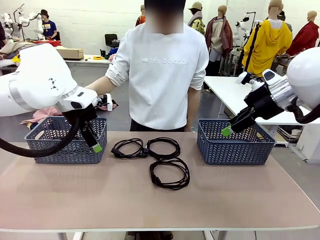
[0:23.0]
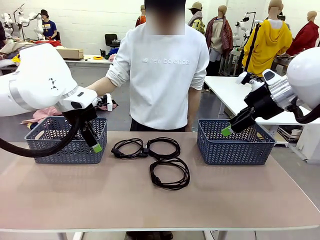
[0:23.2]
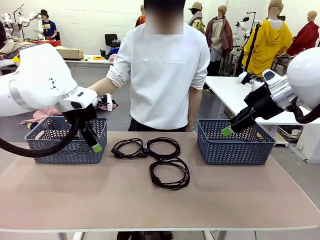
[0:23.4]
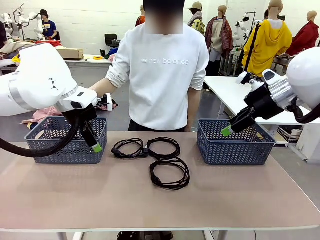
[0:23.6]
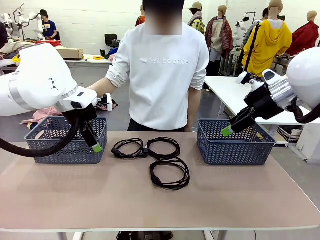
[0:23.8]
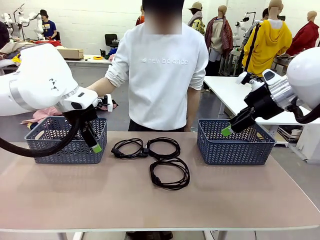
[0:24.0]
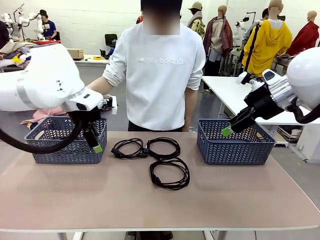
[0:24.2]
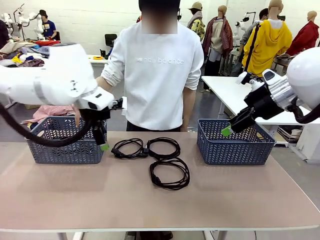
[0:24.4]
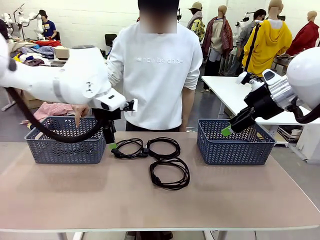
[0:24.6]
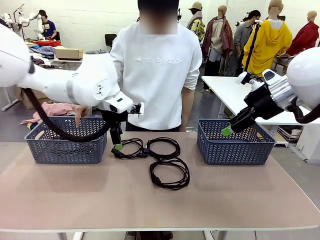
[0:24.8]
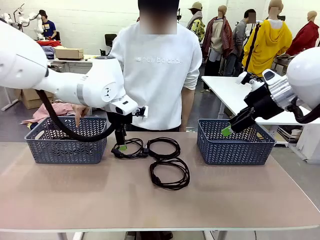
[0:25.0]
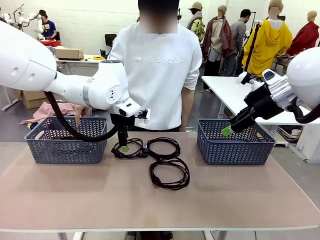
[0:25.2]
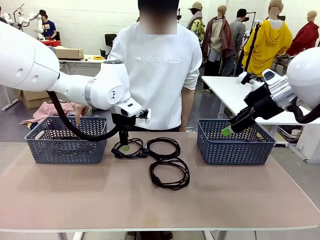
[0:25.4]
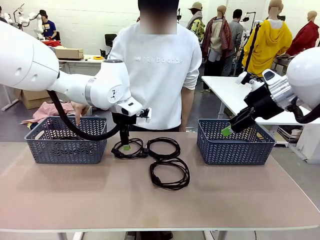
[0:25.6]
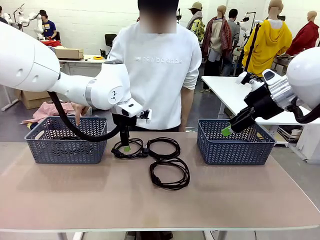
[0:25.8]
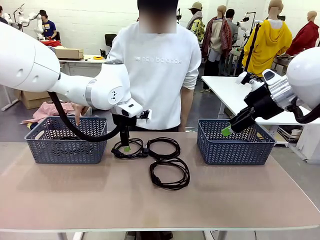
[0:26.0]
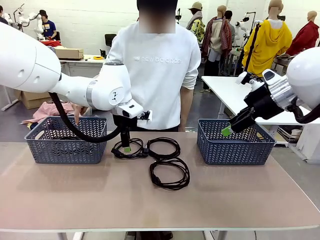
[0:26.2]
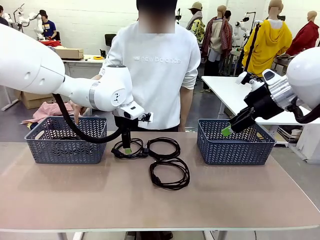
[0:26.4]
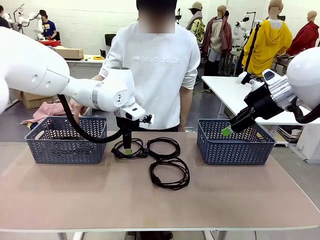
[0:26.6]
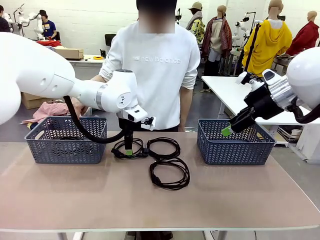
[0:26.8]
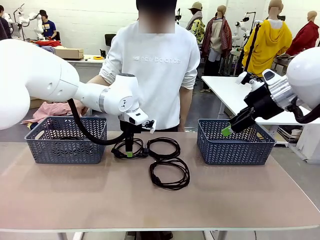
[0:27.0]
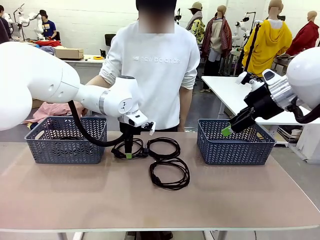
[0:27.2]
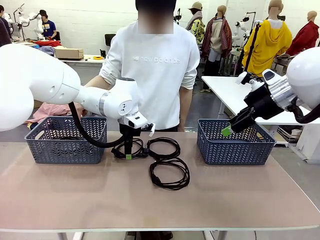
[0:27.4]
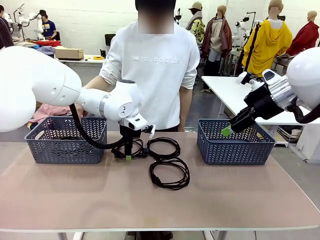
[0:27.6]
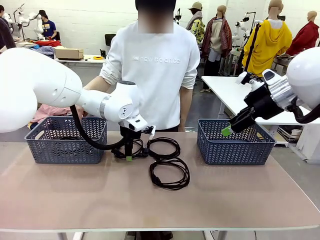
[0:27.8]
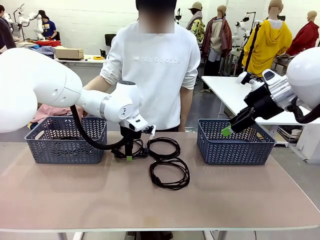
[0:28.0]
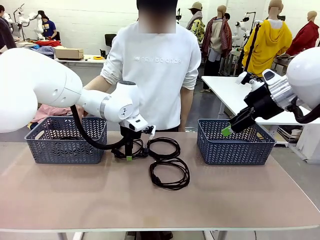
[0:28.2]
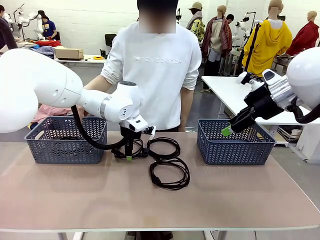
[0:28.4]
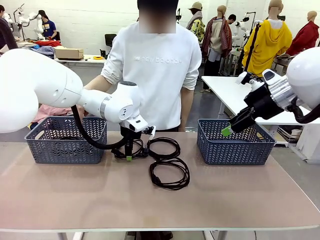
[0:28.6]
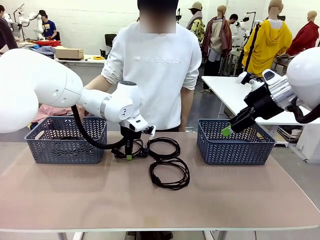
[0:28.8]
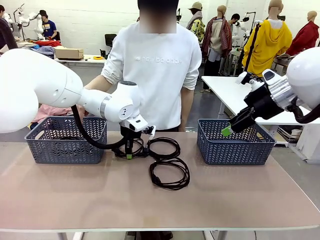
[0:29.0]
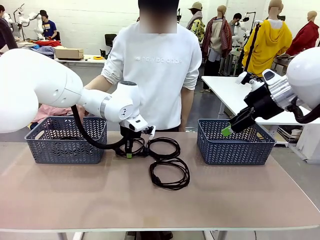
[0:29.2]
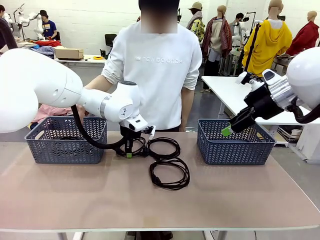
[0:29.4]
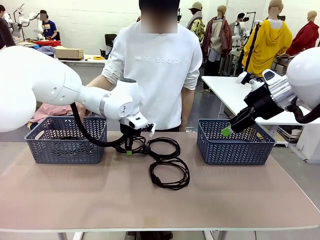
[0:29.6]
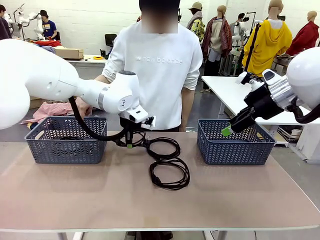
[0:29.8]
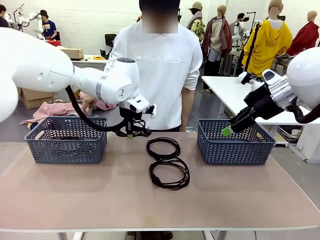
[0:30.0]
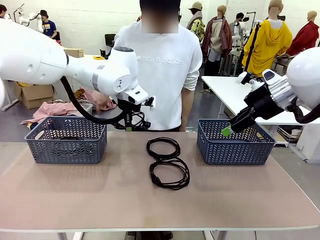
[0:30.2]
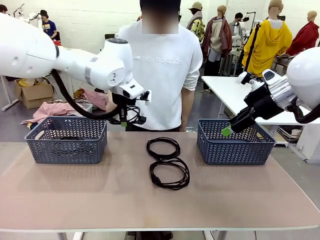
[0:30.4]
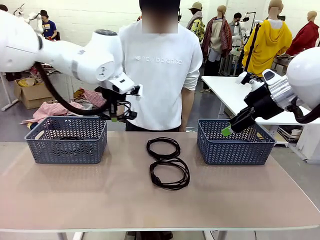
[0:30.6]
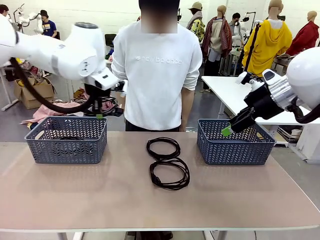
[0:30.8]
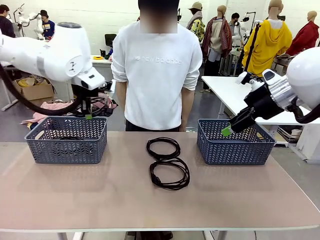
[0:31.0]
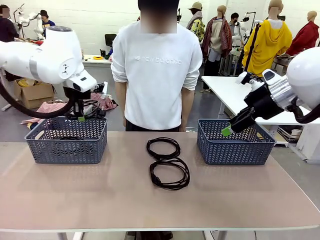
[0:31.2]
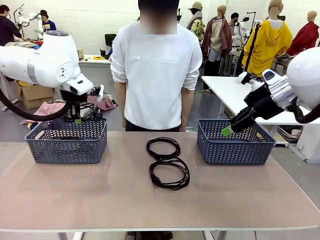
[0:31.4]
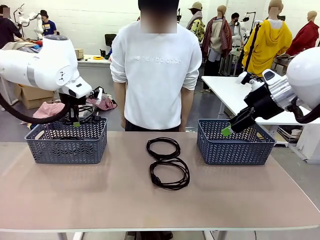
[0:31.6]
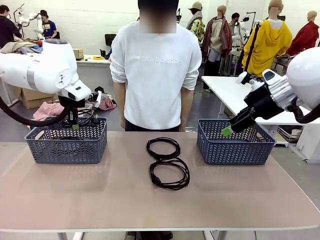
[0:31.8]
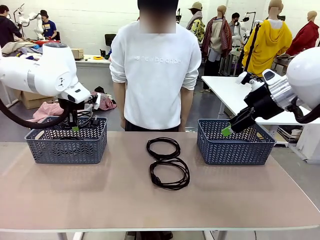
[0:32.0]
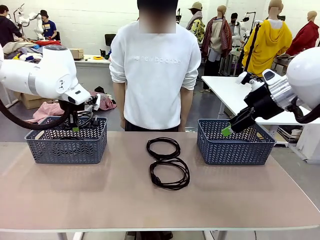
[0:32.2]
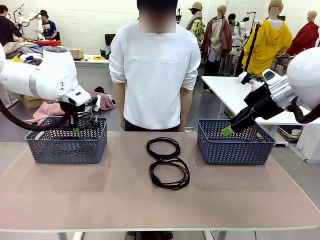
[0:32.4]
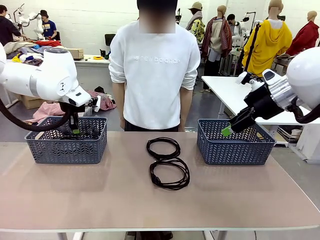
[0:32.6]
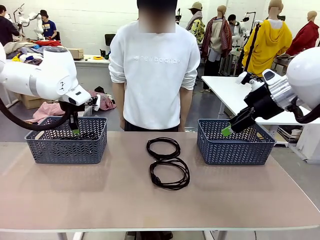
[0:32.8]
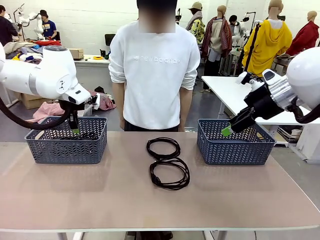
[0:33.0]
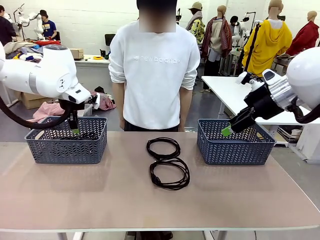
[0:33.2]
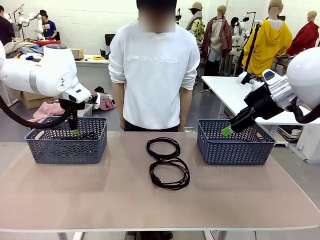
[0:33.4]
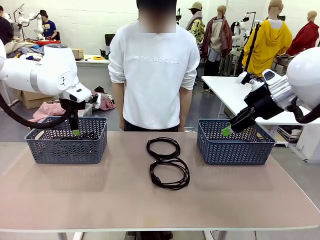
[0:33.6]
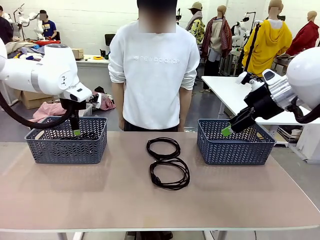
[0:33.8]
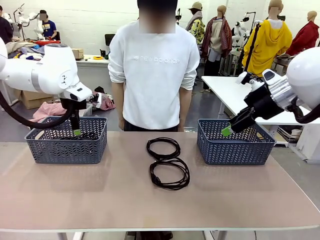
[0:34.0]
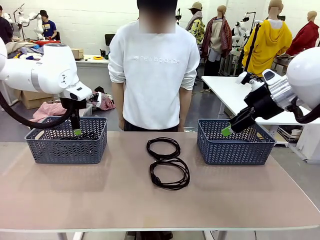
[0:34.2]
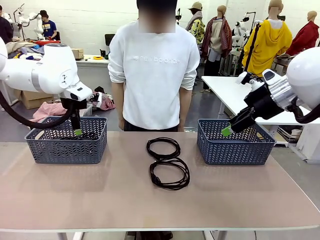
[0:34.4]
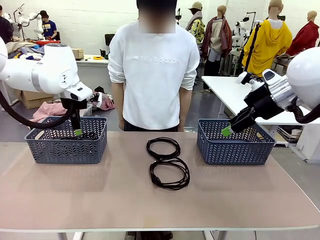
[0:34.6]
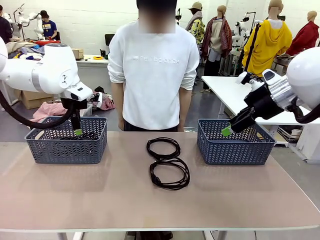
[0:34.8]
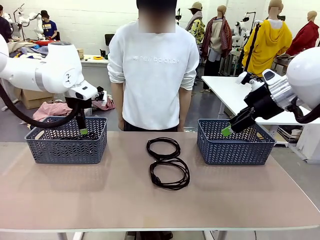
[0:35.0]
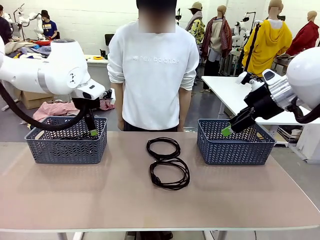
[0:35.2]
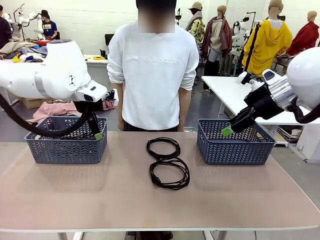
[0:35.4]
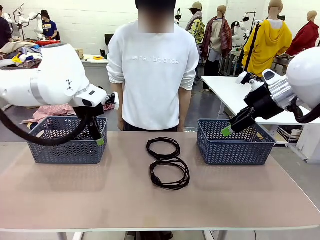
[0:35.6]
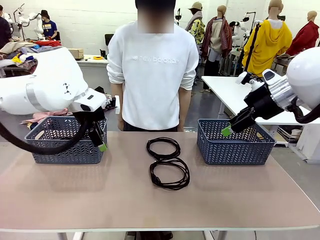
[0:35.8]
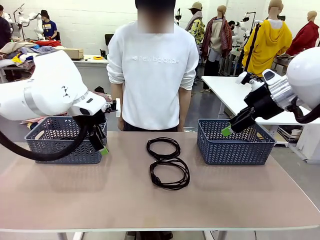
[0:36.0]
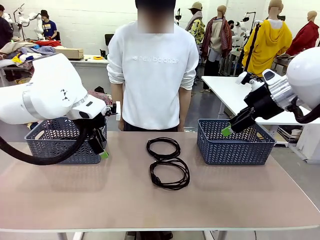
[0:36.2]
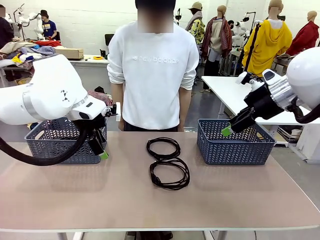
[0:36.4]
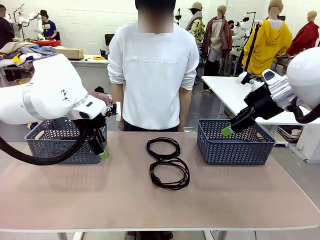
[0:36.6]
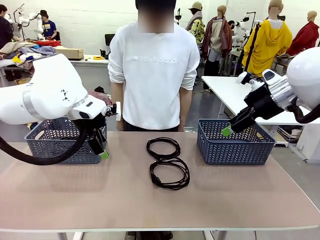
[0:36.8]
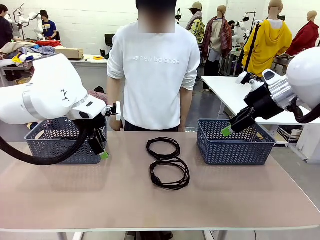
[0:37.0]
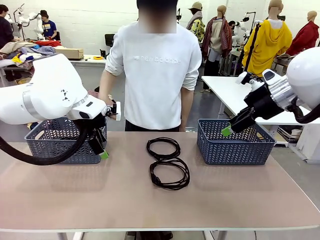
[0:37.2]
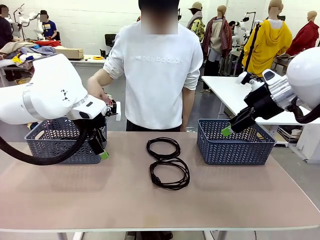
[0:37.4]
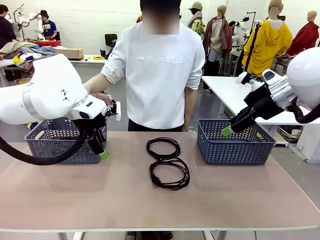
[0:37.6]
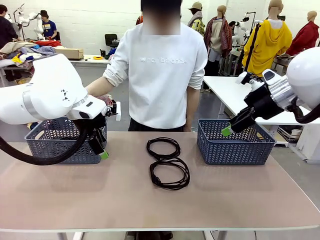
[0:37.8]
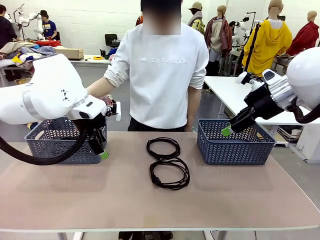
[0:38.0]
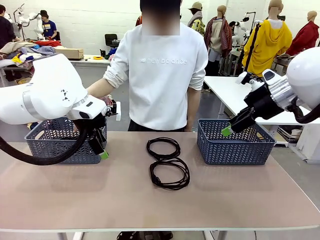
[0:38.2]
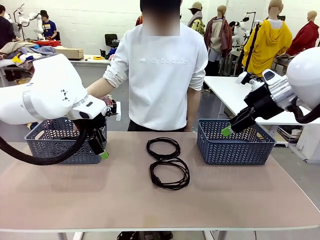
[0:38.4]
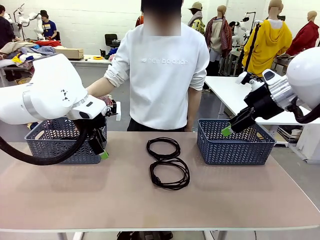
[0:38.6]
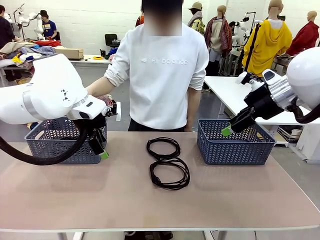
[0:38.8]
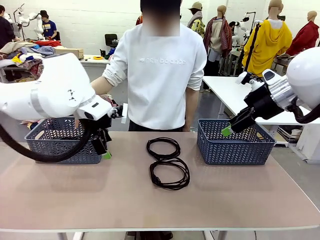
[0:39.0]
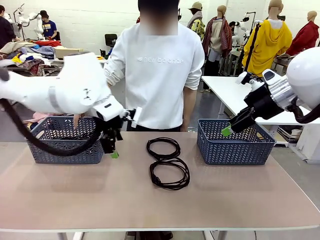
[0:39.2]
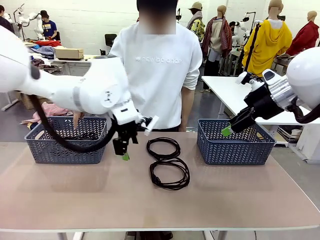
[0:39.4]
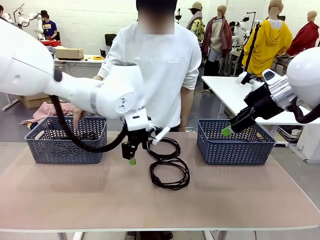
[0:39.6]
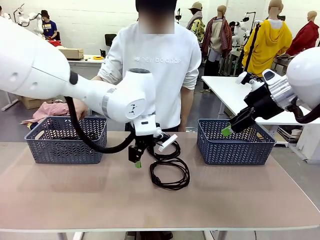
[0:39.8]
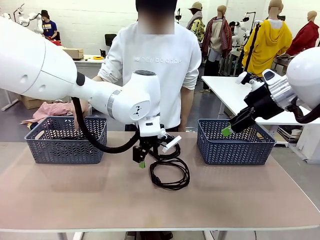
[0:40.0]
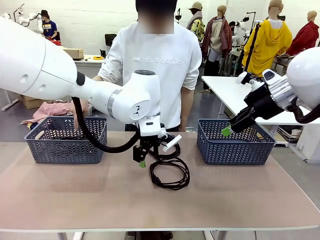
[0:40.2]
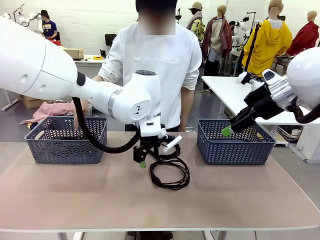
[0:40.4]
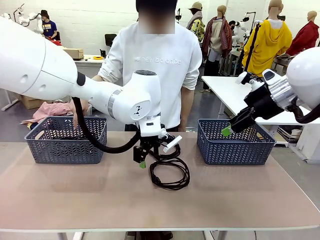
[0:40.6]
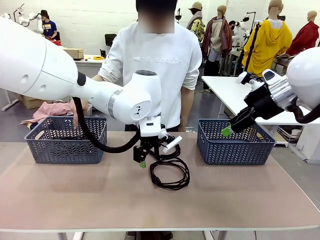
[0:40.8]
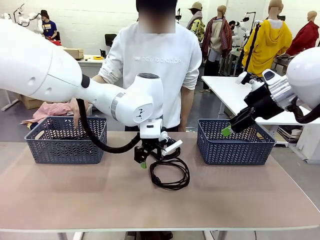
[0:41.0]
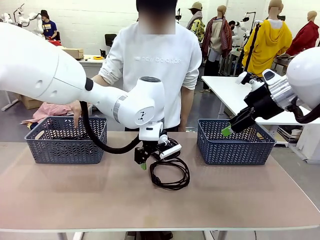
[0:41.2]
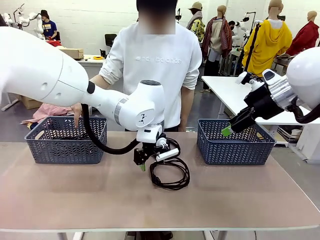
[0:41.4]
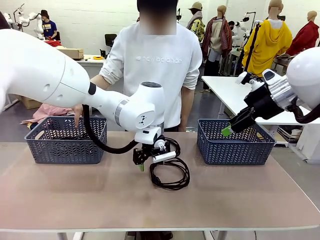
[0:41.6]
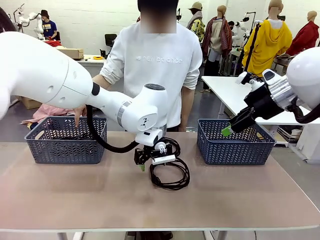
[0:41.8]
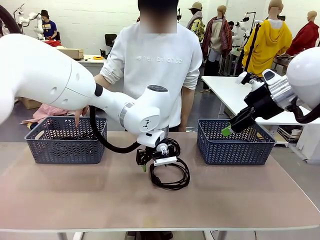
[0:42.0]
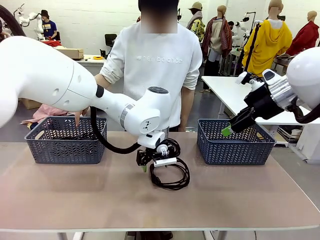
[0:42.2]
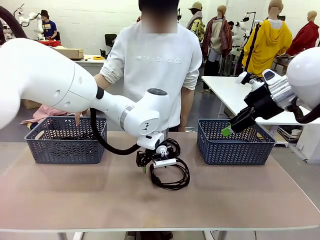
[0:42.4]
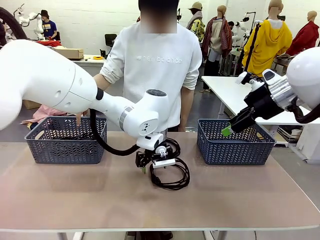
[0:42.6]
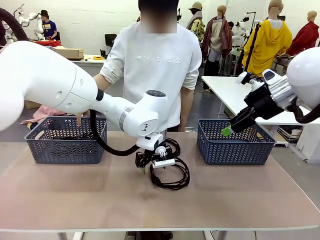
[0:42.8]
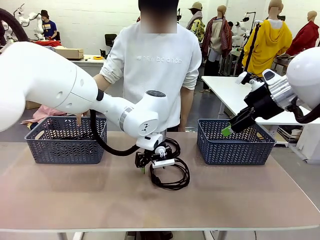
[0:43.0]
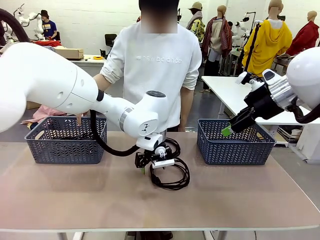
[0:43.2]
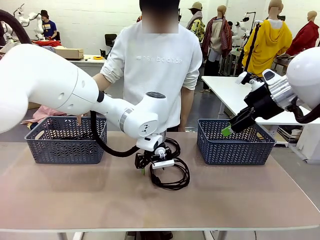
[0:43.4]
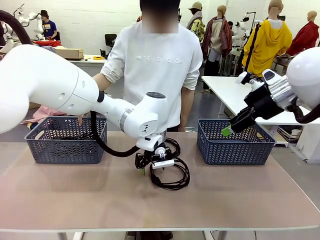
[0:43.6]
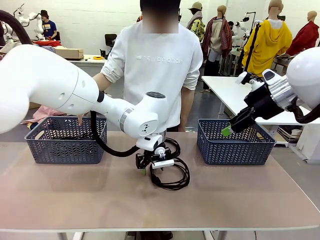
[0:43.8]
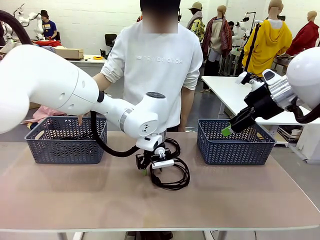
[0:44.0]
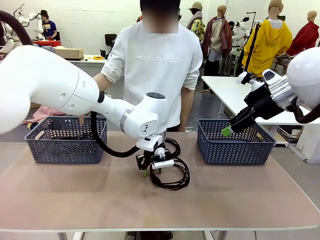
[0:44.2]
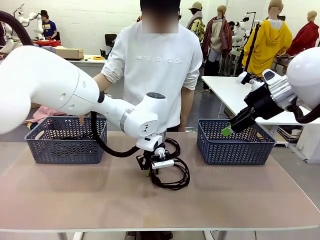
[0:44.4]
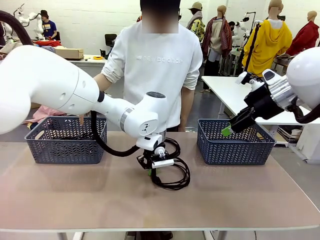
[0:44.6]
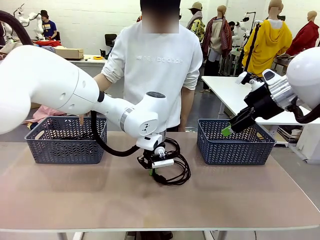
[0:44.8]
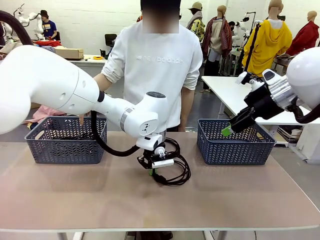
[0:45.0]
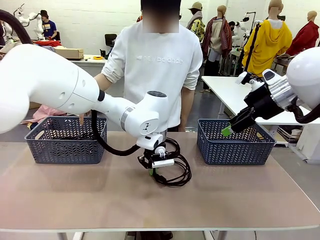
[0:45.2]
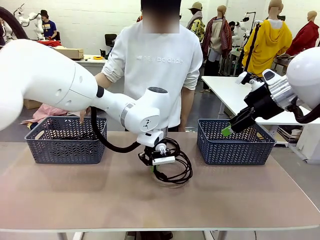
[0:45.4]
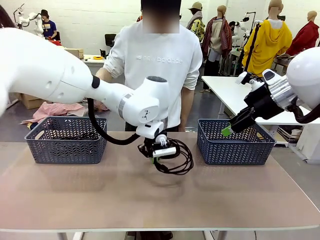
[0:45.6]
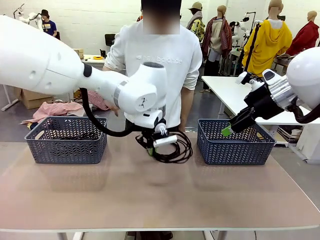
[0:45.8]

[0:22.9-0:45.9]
Task: Organize the cables according to human instructions.
Robot: Pick up a bundle of cables and place it in the basket indicated by the human.
